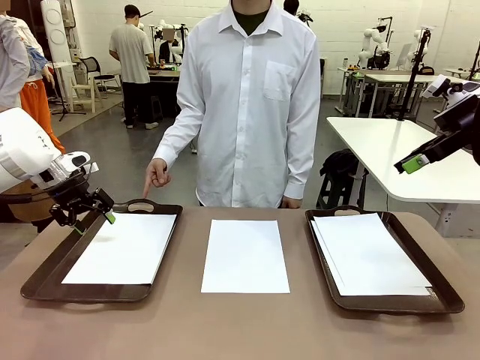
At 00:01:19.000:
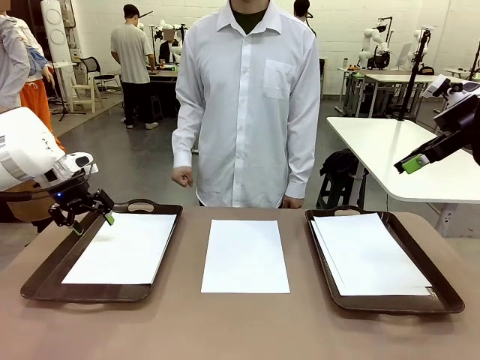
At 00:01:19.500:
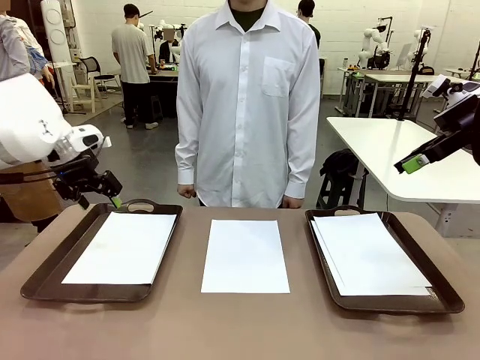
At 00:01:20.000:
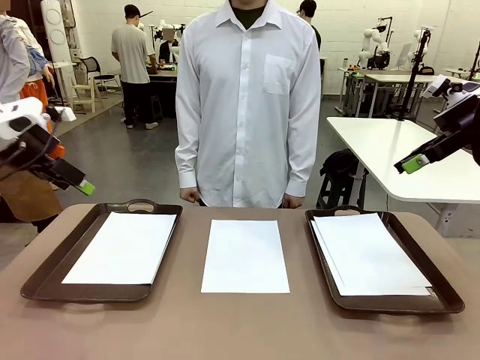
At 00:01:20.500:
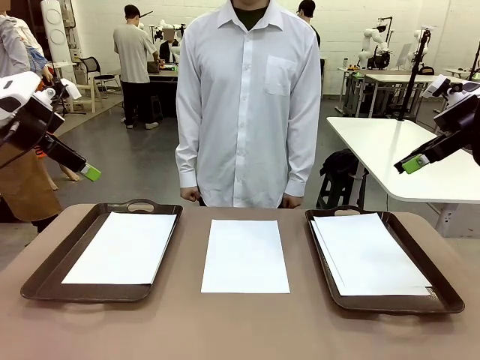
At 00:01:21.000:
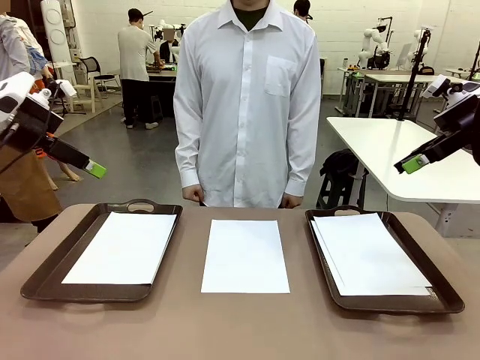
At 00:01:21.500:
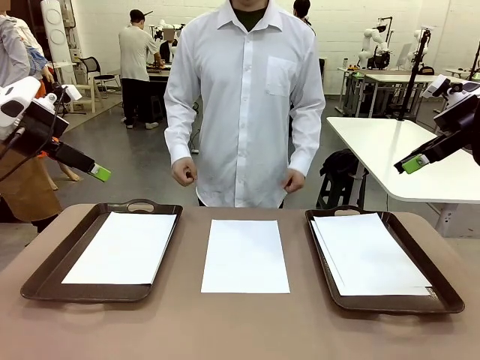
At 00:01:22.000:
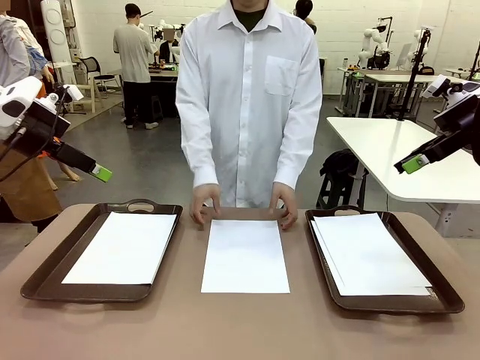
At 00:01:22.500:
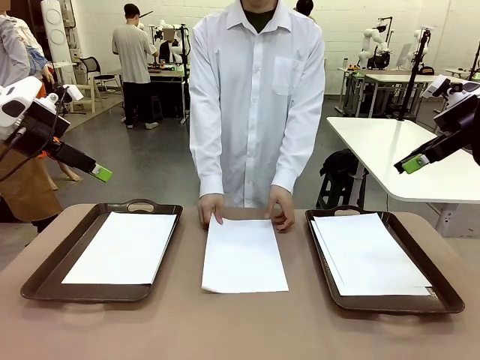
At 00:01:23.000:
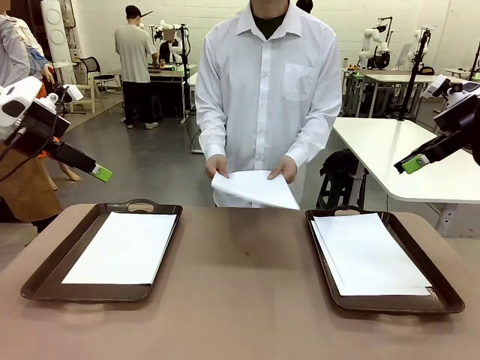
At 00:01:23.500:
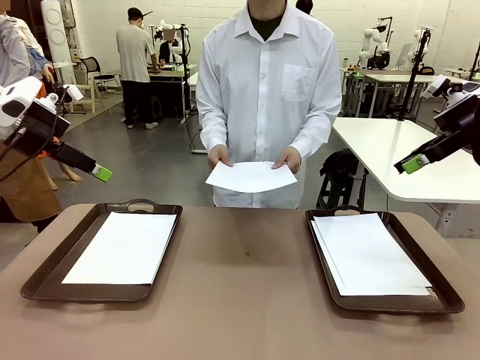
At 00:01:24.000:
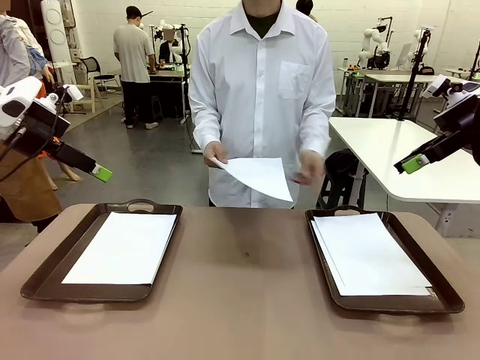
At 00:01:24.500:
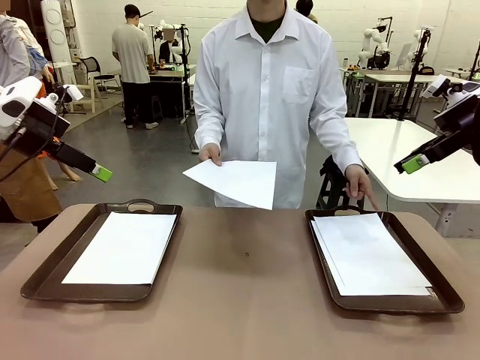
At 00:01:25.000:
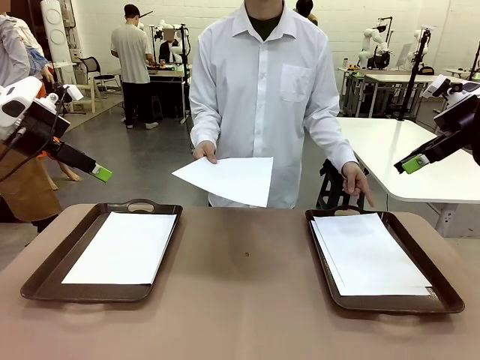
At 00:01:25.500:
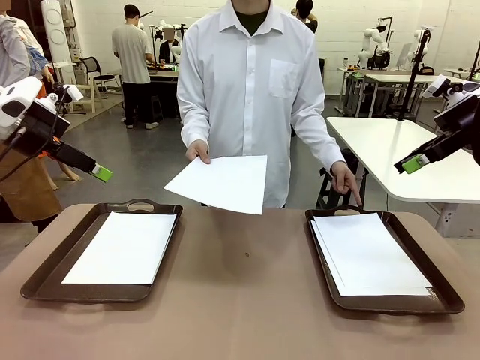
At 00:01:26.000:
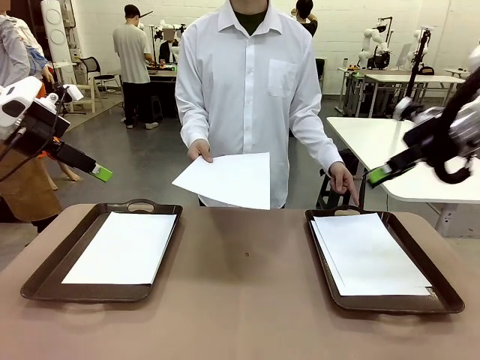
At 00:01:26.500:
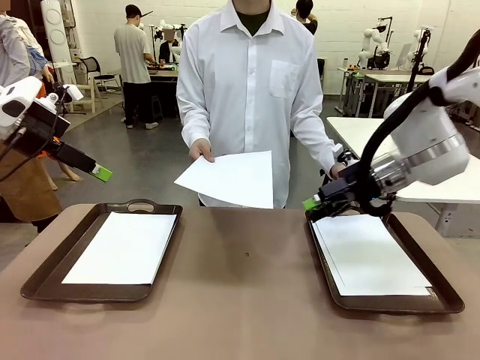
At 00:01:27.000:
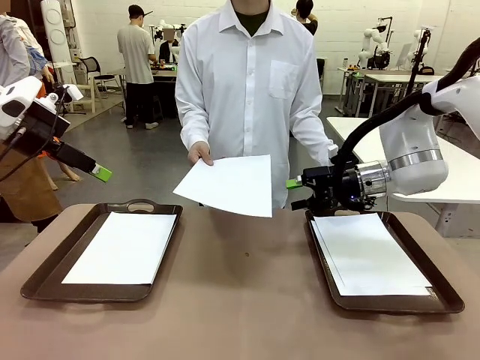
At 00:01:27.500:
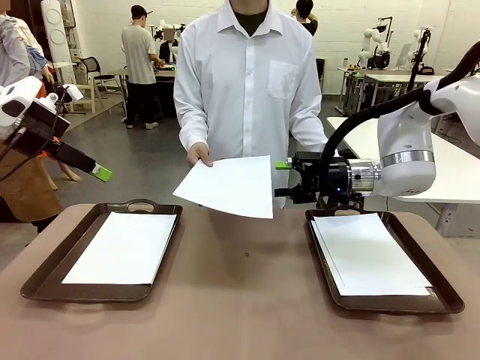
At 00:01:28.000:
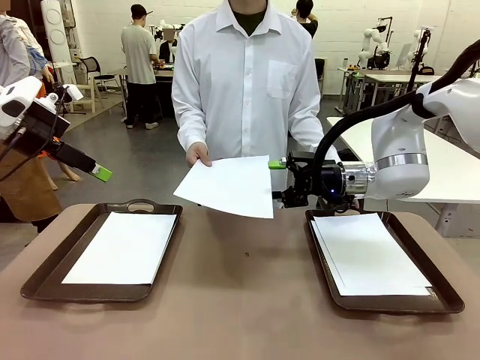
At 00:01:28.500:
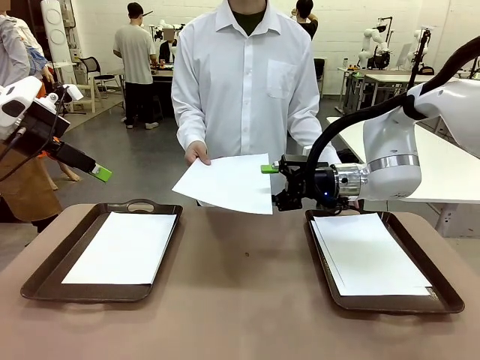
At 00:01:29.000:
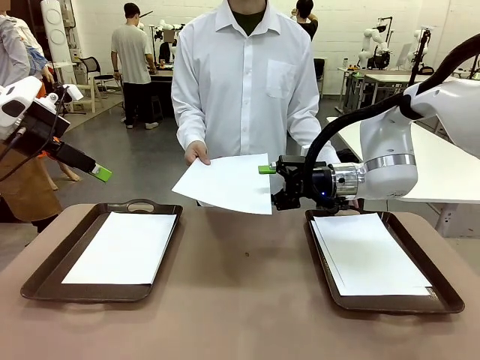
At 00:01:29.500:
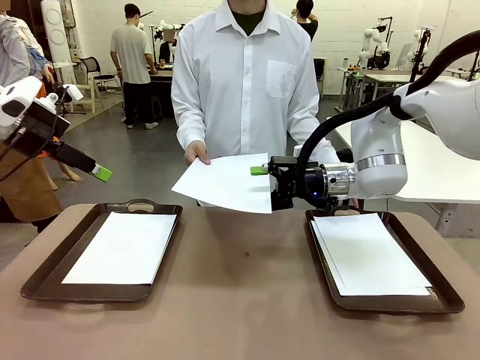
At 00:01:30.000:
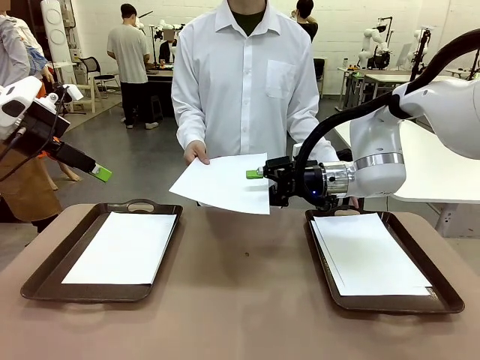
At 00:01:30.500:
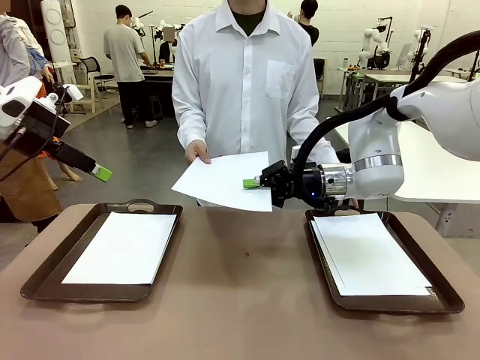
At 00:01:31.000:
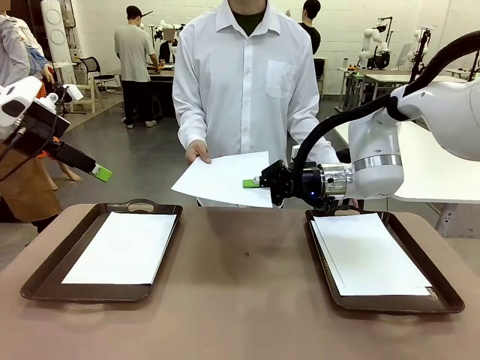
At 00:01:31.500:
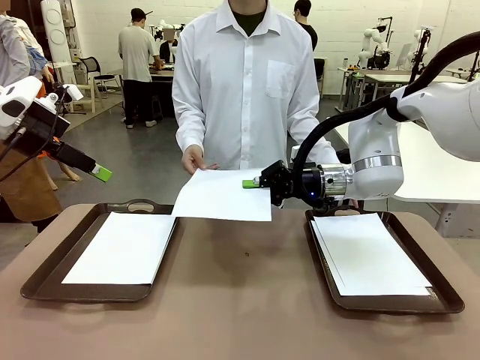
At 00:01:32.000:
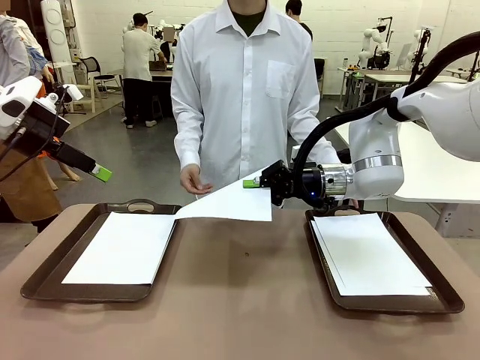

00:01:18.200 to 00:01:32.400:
Task: Sort the A4 documents.
Robot: Receive the A4 Paper.

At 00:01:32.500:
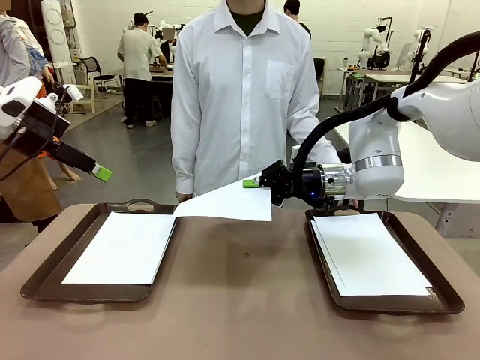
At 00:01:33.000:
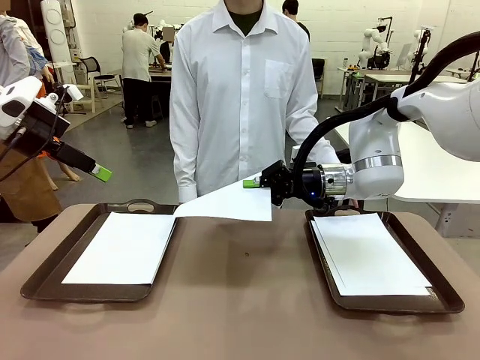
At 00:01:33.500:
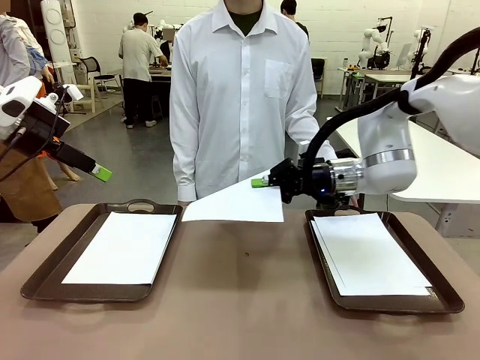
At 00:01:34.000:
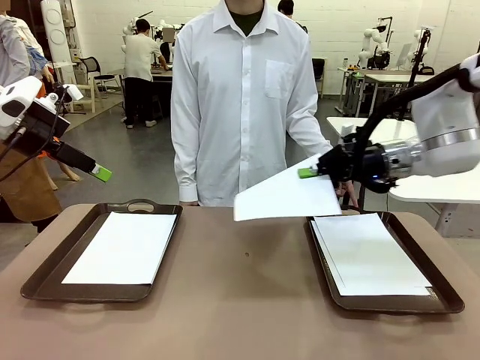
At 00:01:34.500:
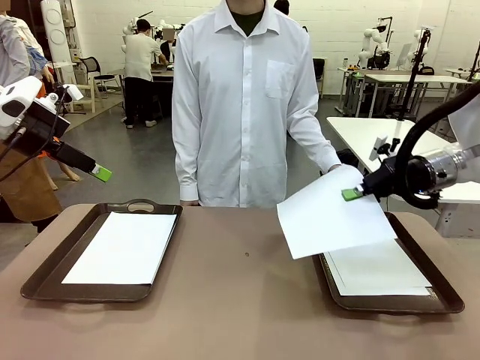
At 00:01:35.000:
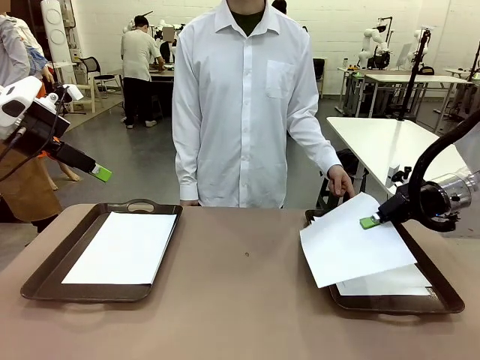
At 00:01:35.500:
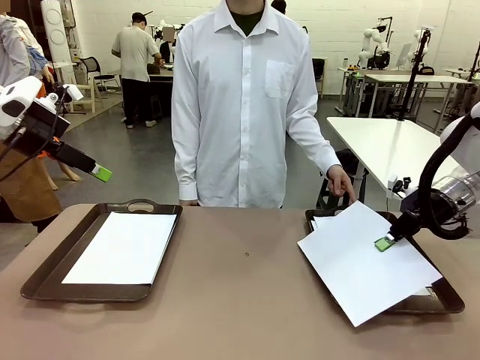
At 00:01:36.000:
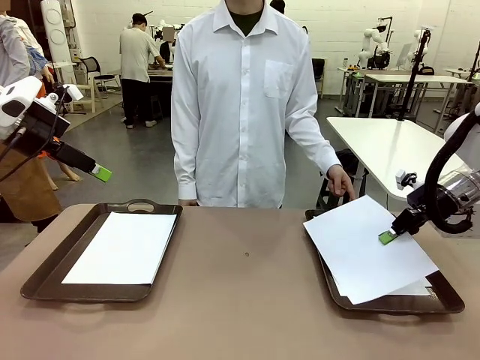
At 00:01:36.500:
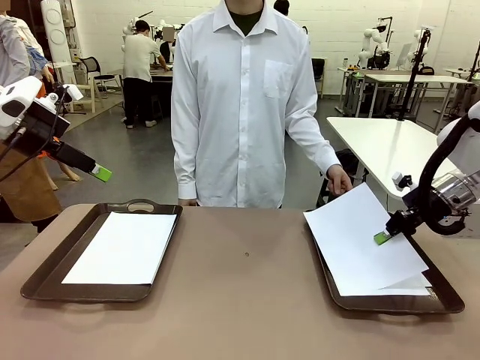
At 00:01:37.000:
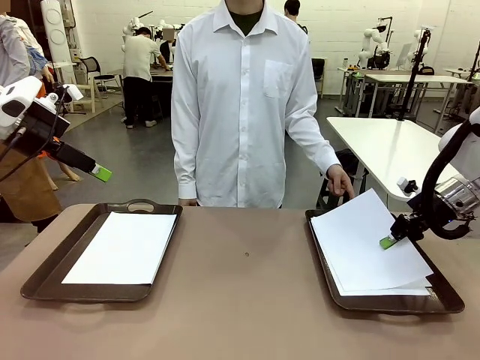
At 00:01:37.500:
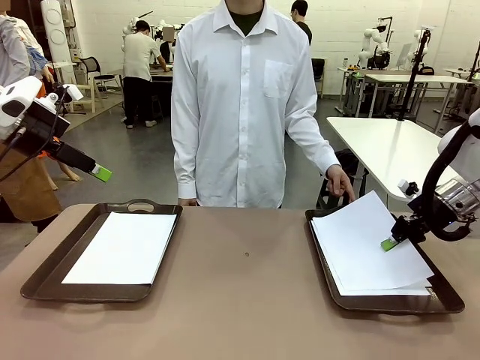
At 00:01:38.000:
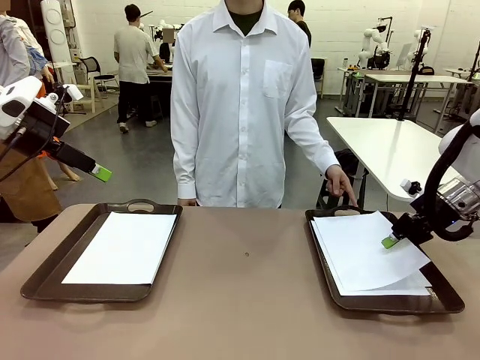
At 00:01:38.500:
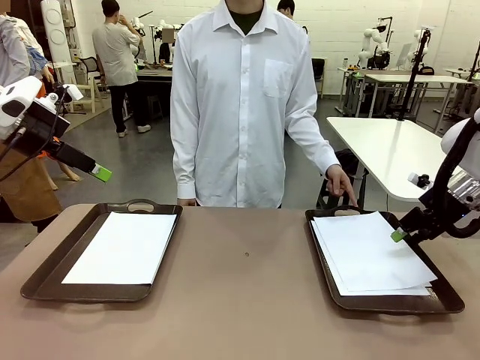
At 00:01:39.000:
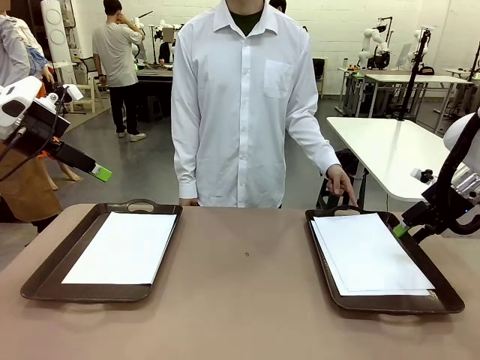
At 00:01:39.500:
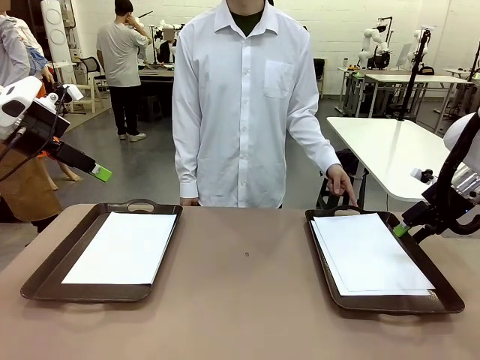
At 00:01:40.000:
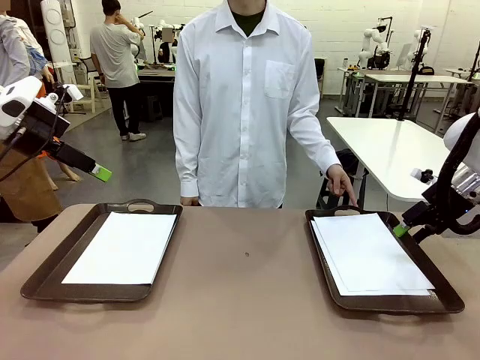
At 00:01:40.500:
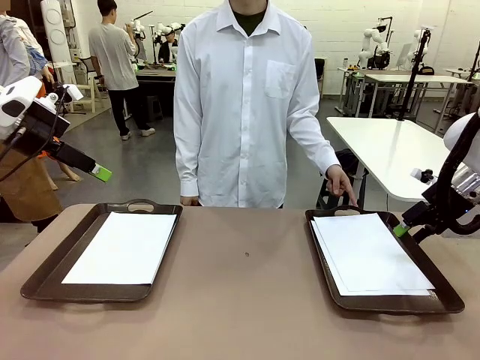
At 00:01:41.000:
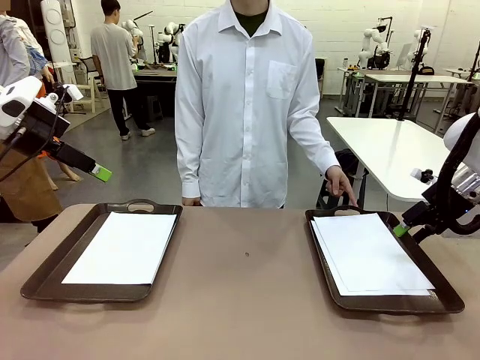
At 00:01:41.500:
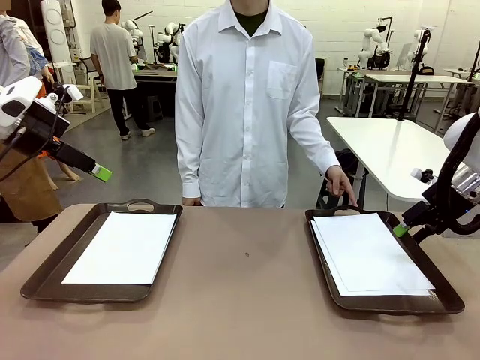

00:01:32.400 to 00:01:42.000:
Robot: Place the A4 Paper in the designated Handle tray.
Person: Point the randomly selected tray with the other hand.
